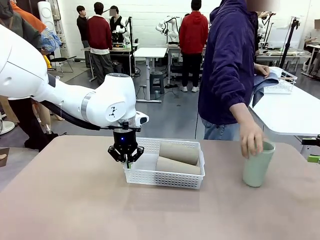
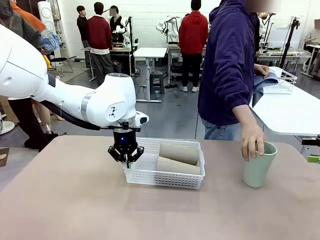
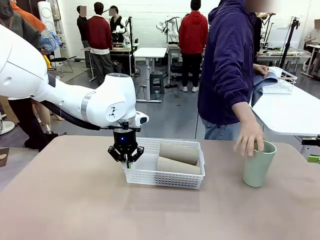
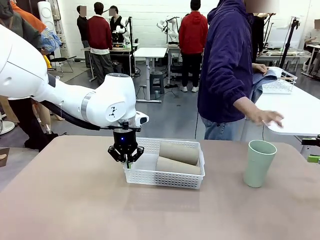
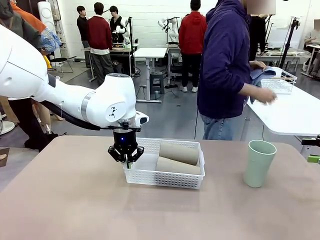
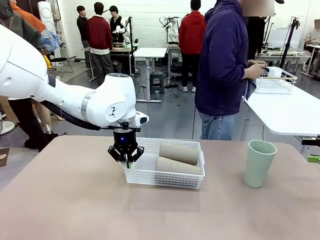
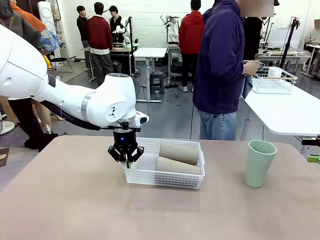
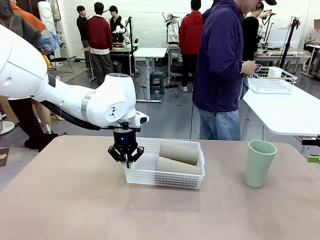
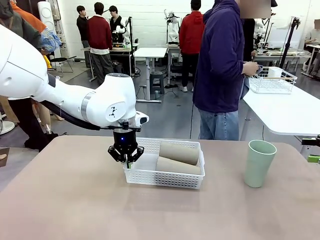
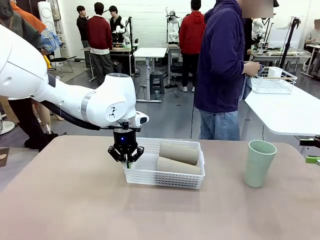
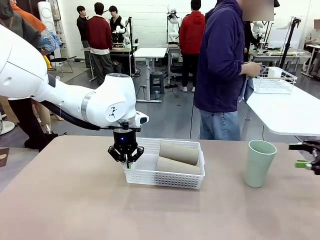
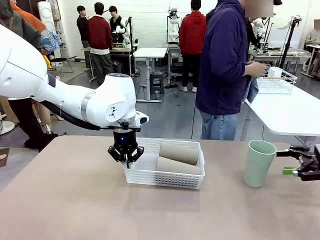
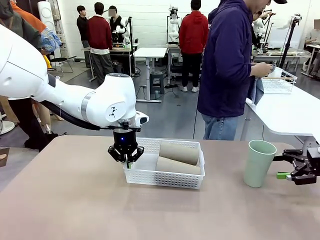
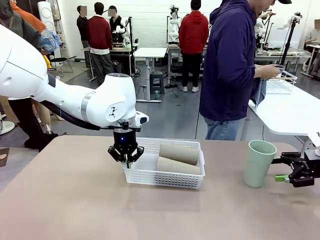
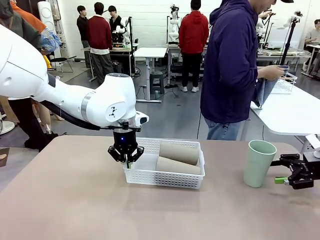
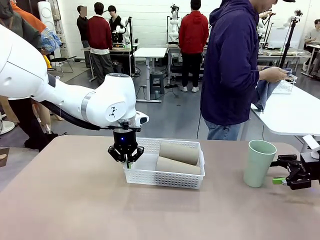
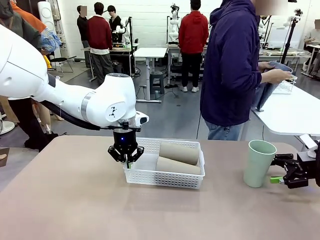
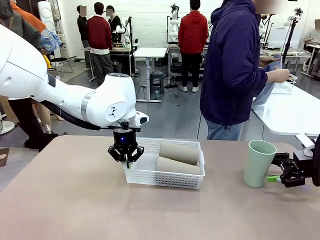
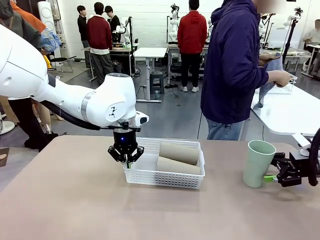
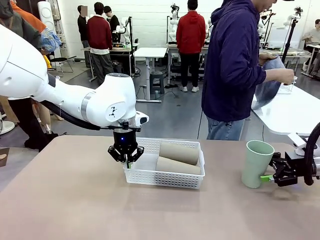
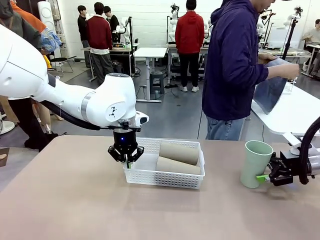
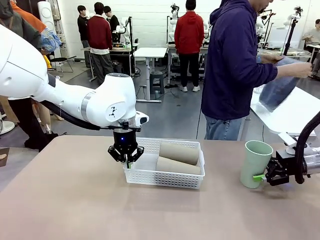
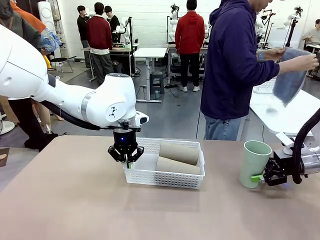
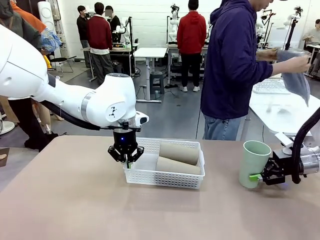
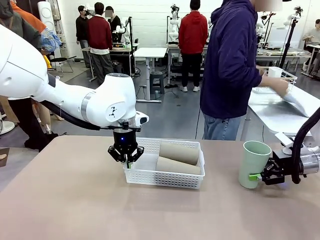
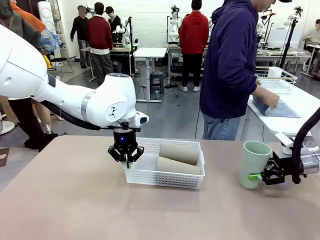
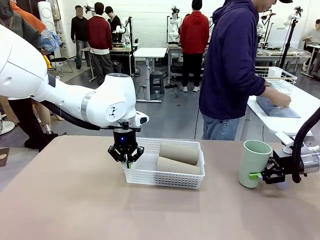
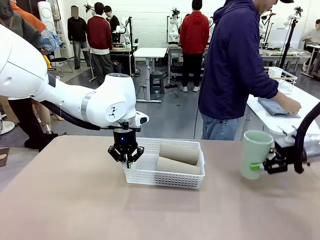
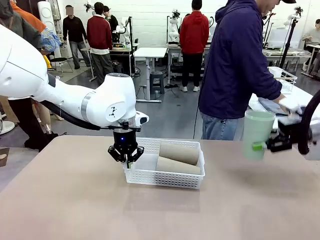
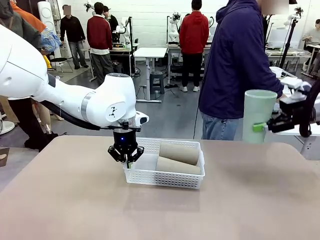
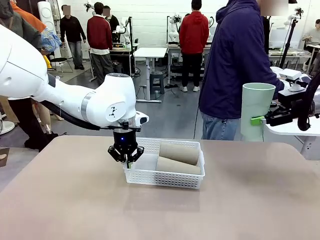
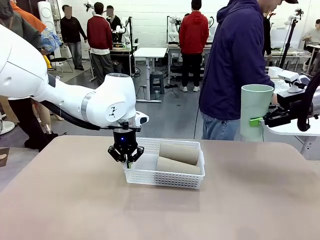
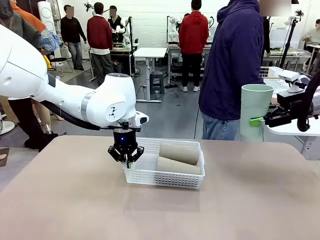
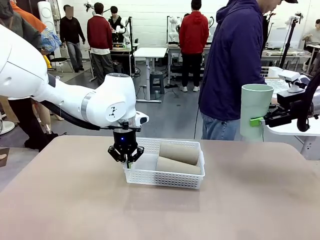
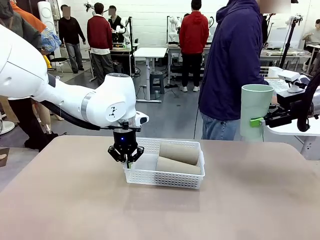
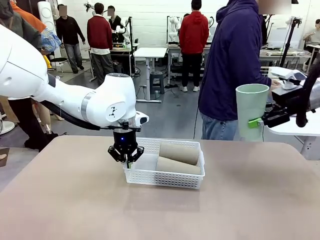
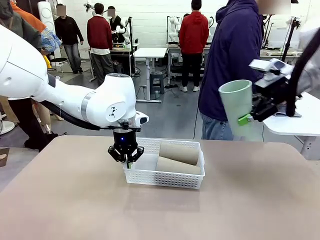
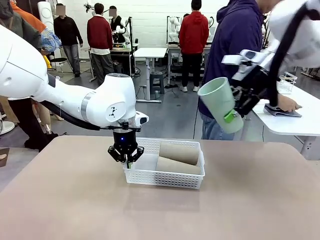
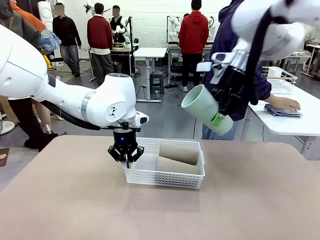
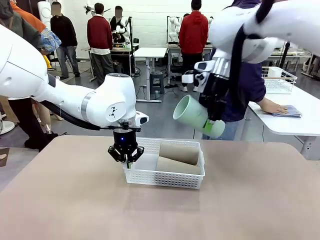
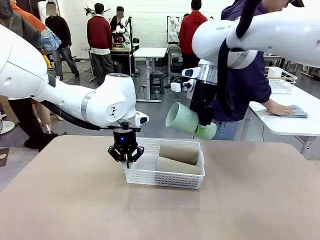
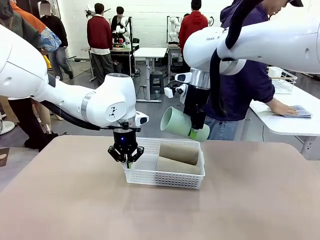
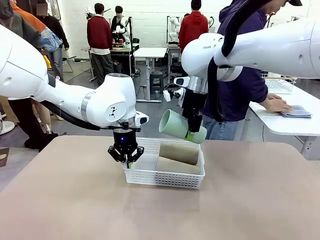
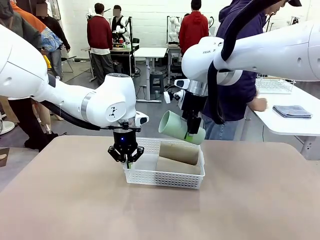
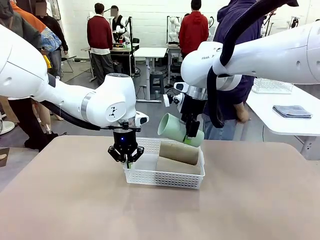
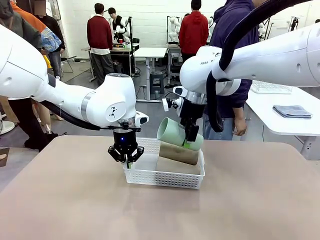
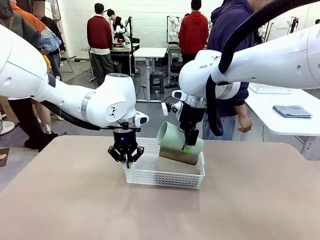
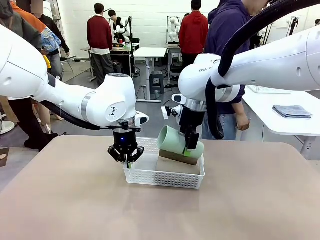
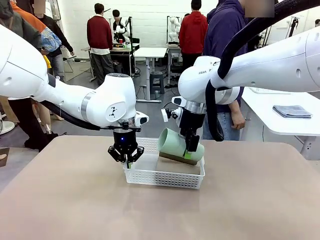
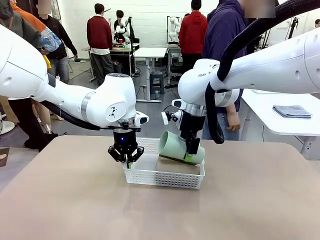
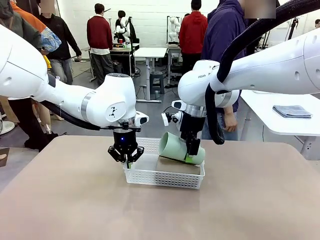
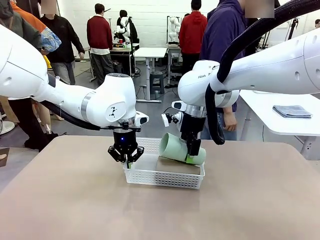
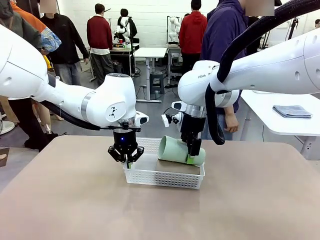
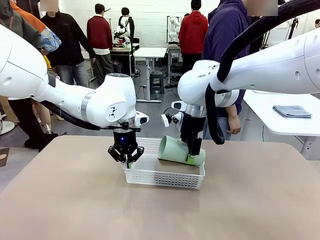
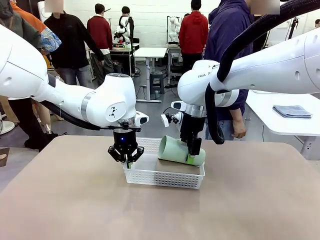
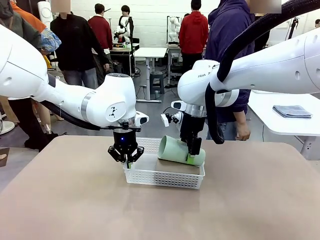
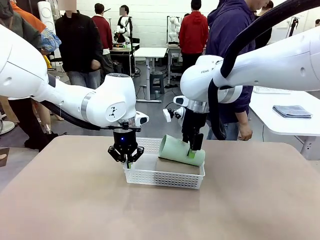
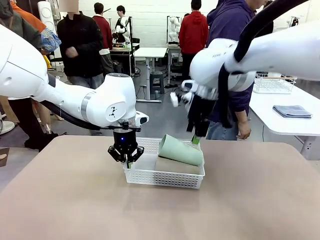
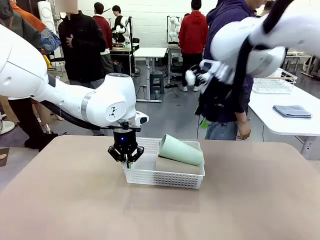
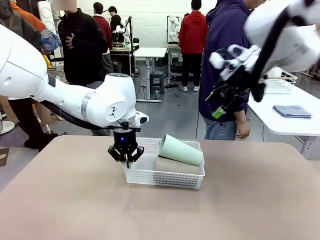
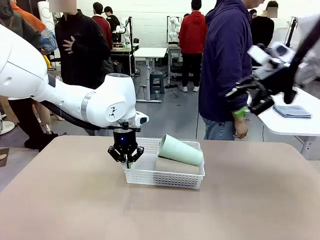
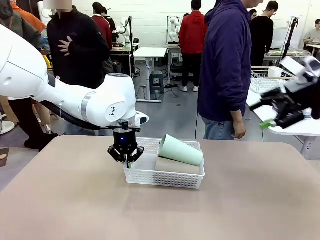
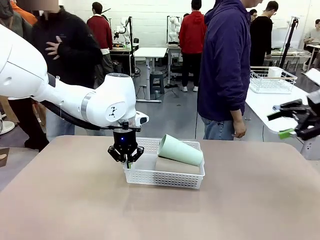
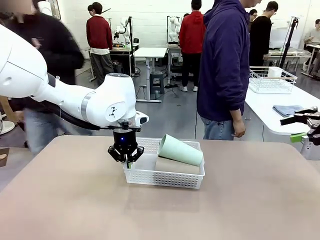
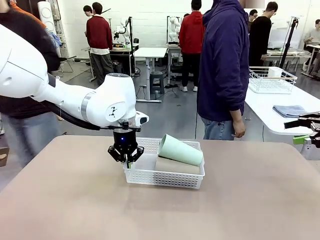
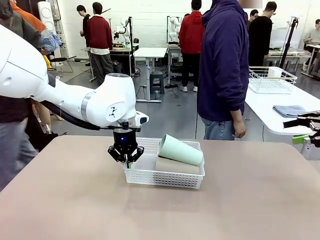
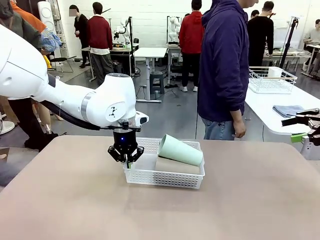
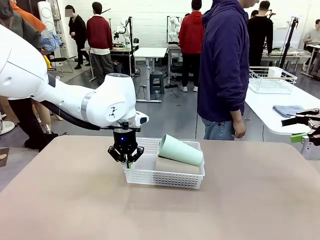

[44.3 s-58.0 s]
Task: Clean and organize the cups into the basket.
Robot: Pick up the Reusable plastic cup from the right side of the table and stack it inside the Organizing basket in the center of the table.

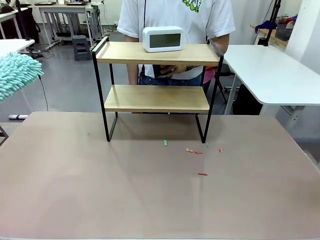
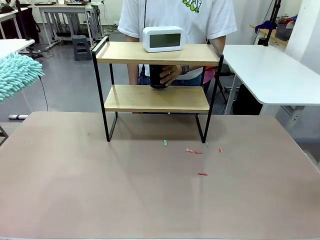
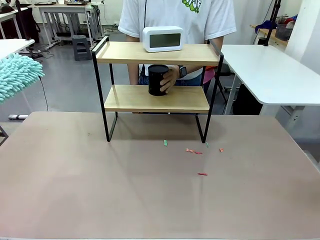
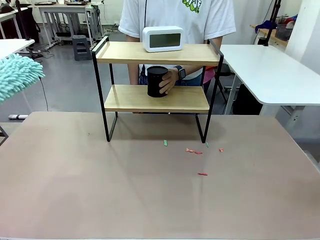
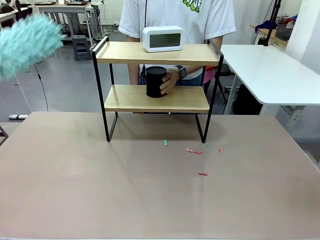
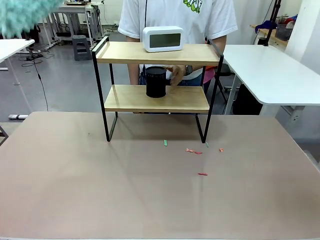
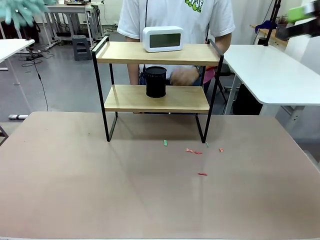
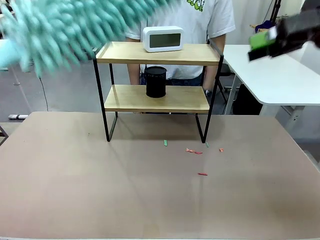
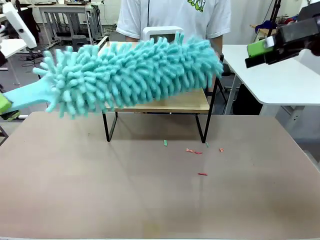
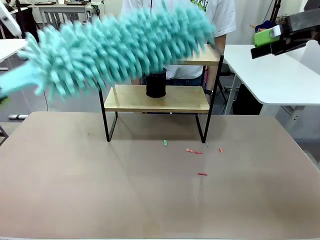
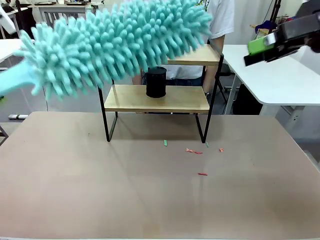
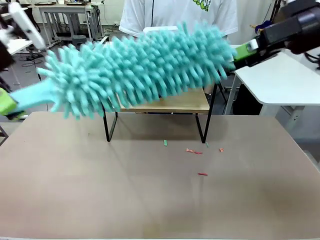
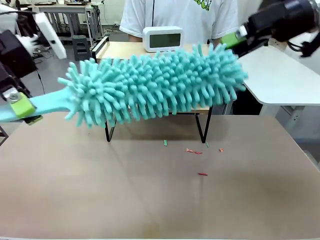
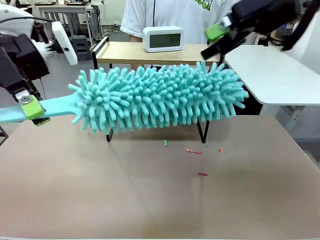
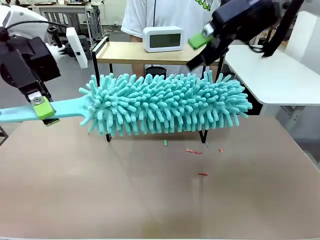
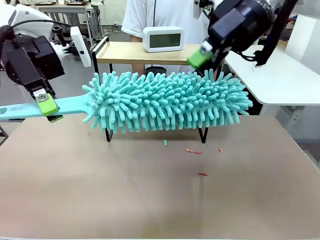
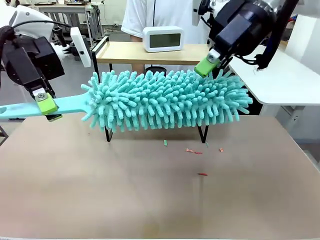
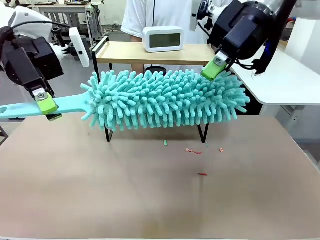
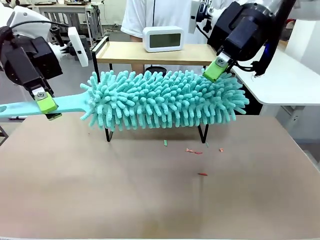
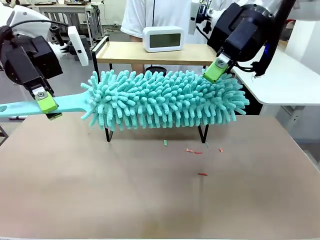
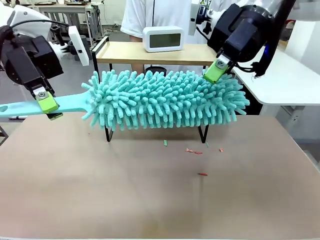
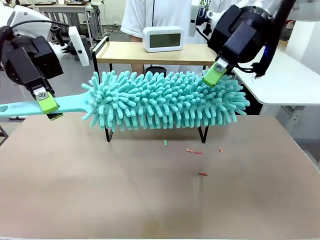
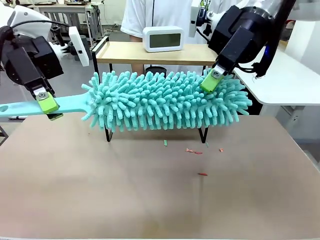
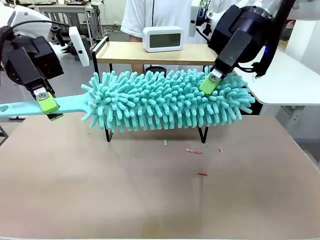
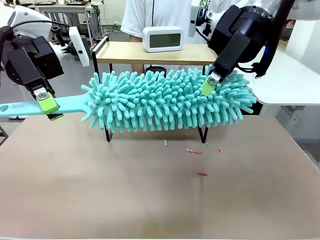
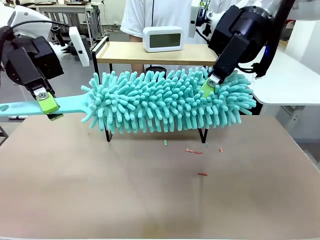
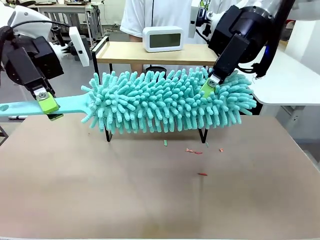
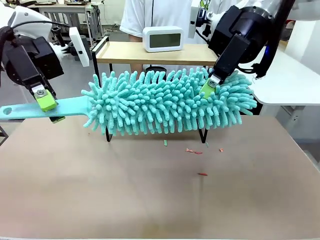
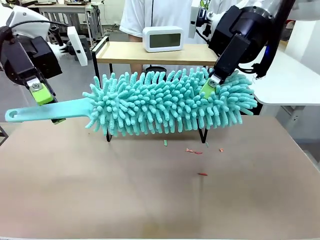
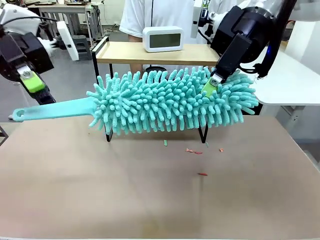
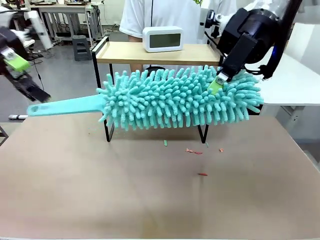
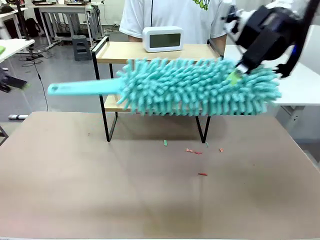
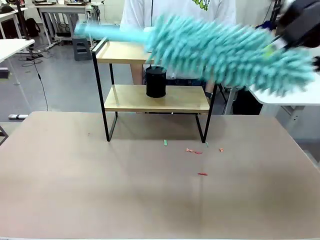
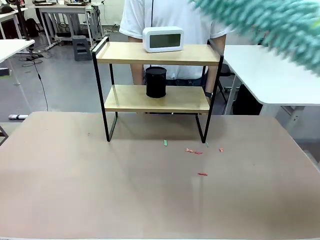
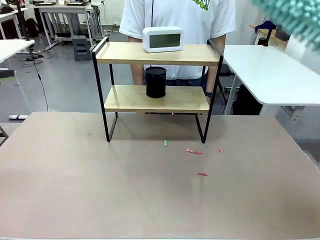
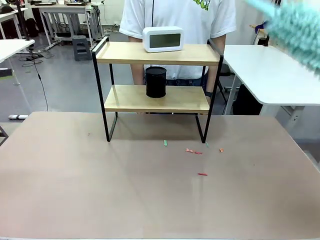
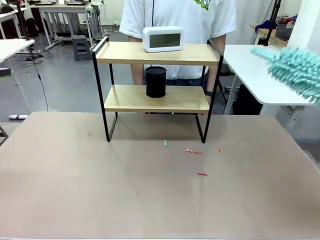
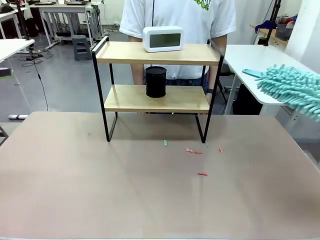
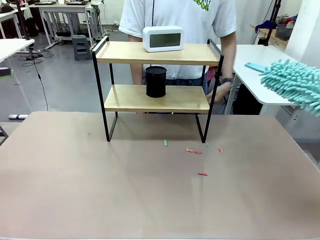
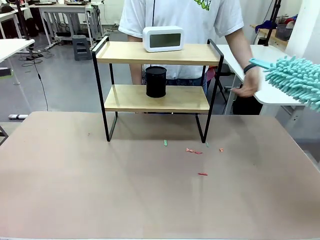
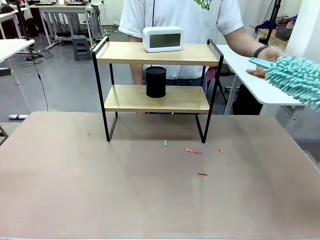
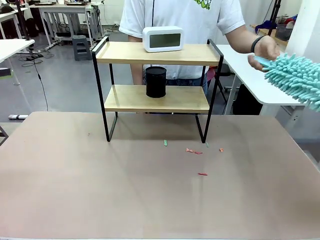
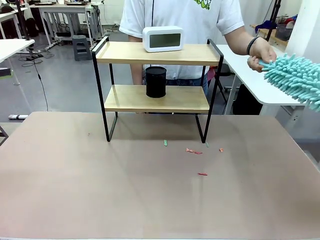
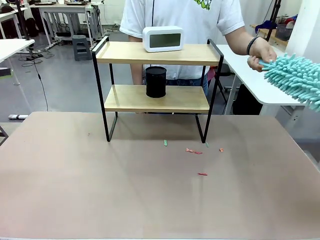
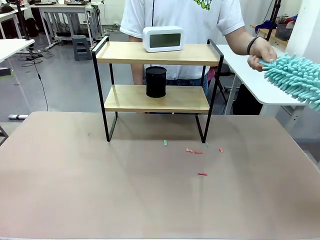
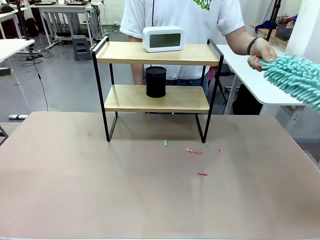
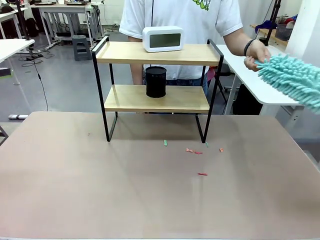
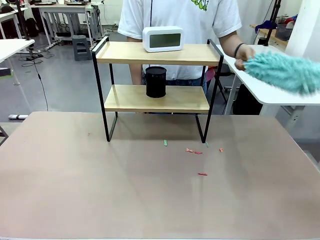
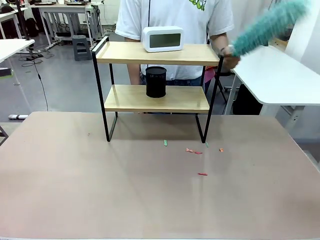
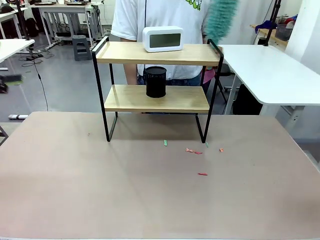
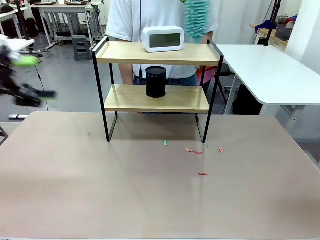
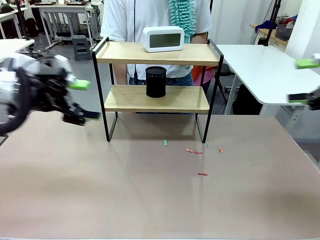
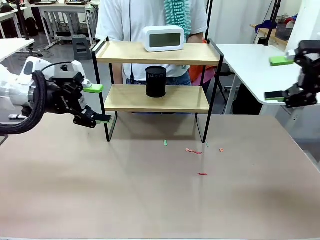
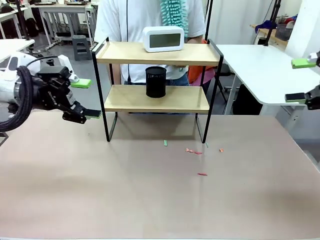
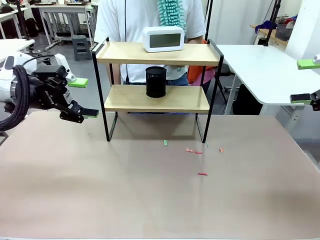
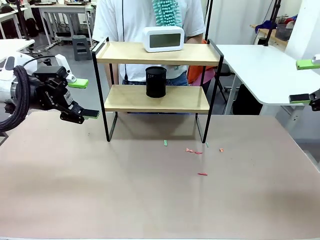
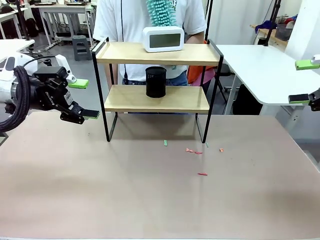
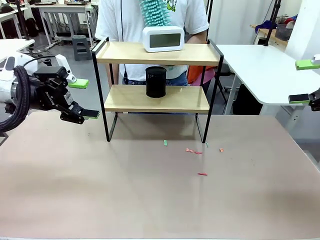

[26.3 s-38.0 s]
Task: Clean the shelf.
Robot: Hand the Duster back to the human.
Person: Receive the Duster from the robot.
